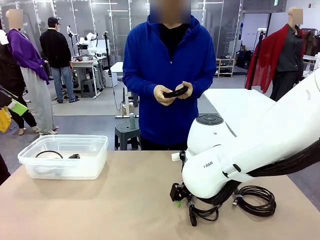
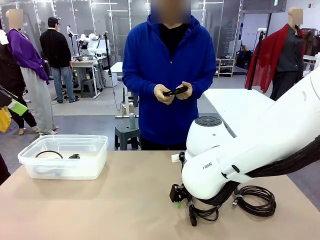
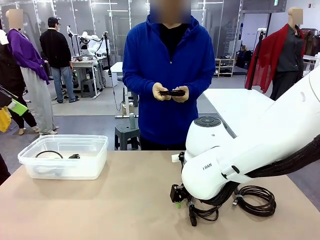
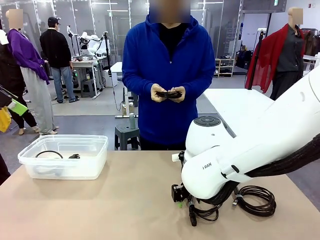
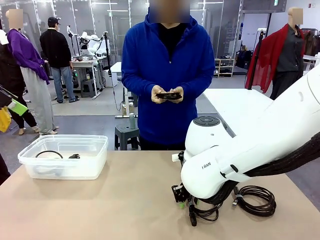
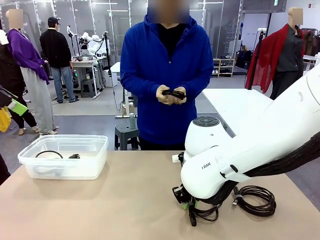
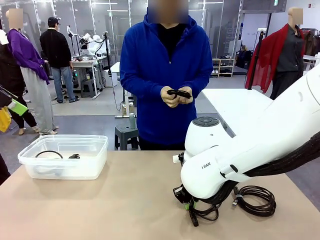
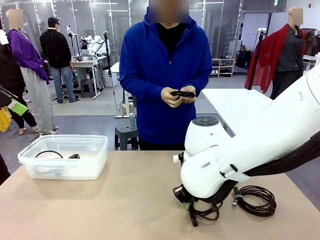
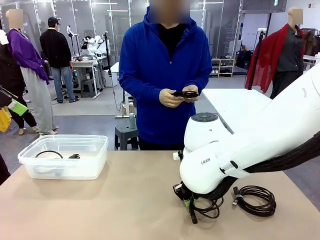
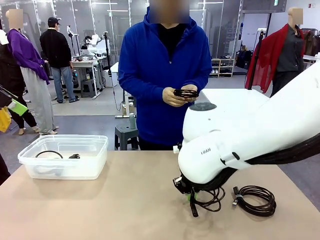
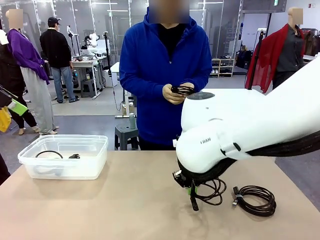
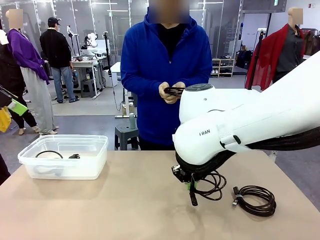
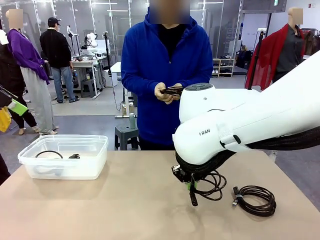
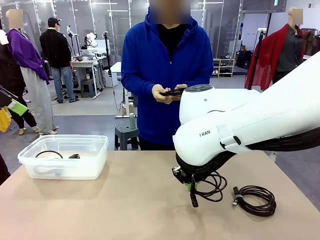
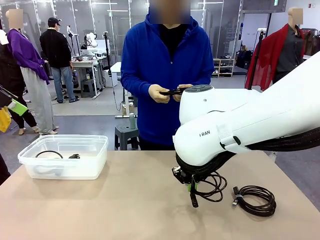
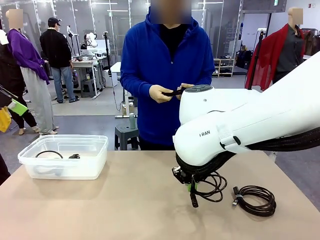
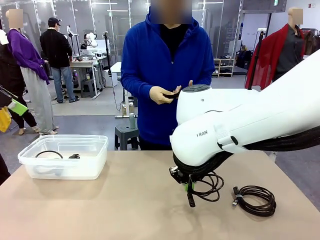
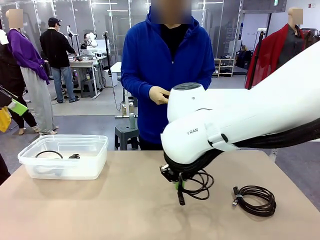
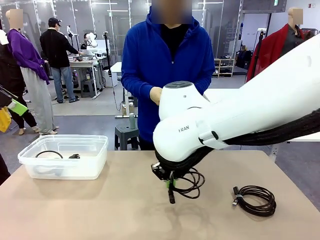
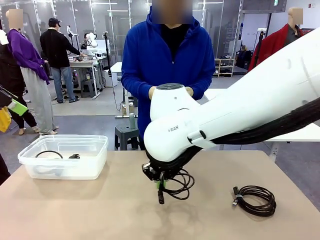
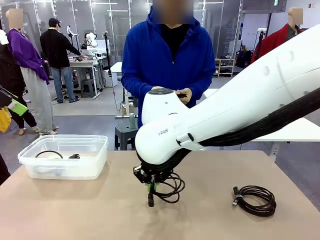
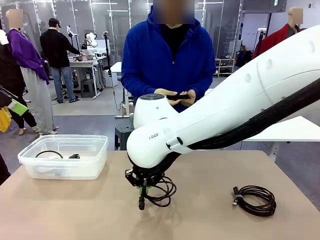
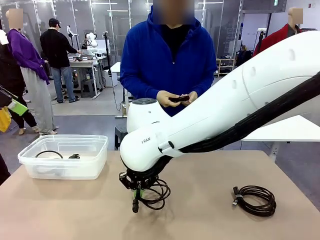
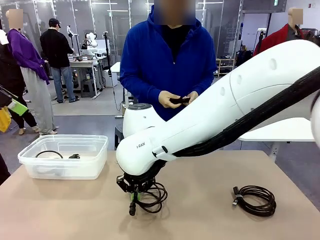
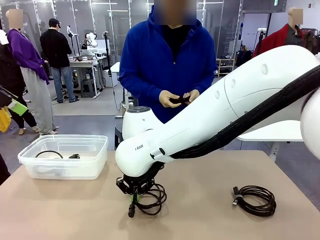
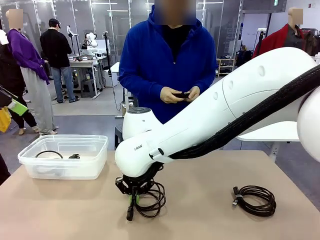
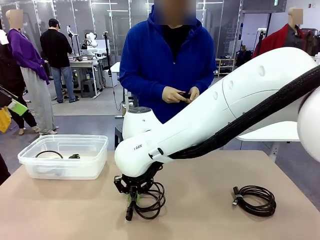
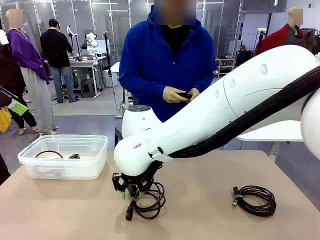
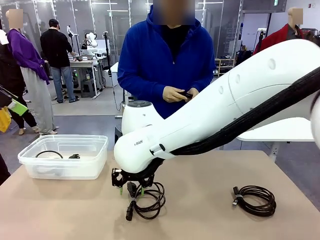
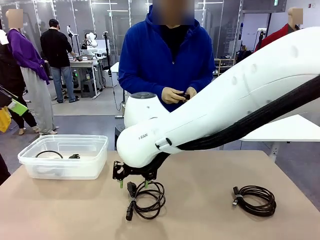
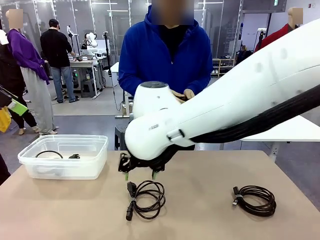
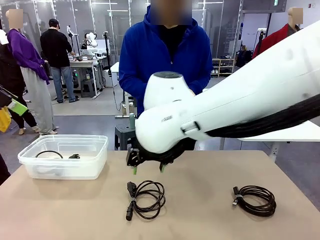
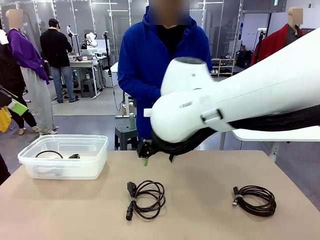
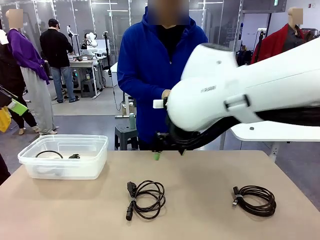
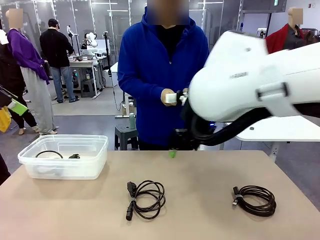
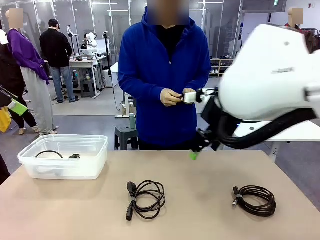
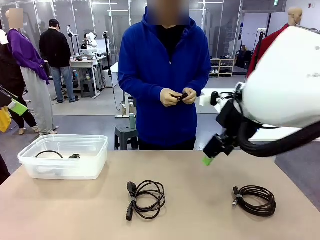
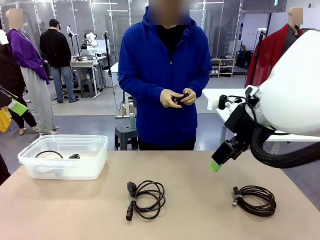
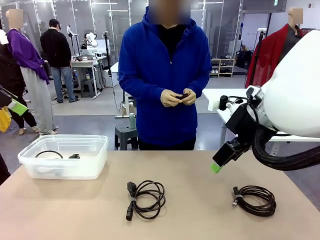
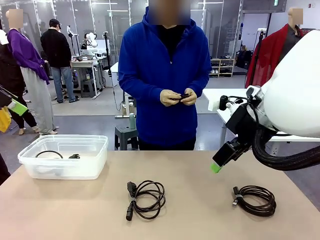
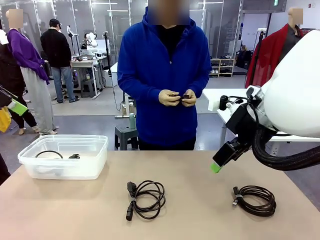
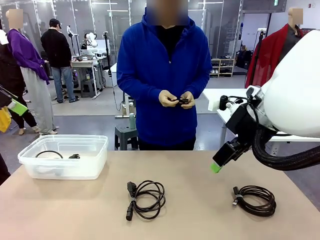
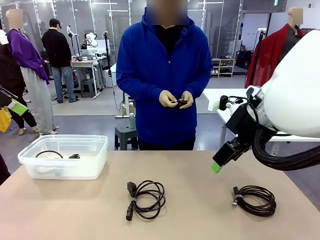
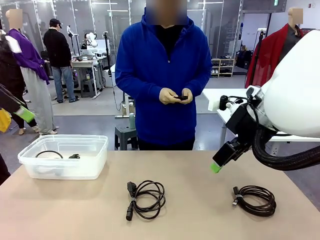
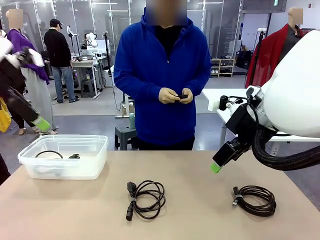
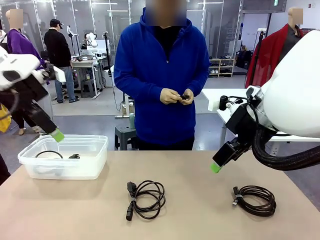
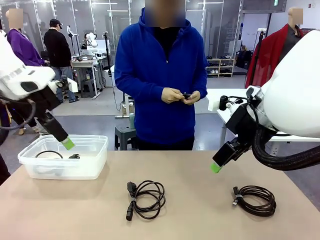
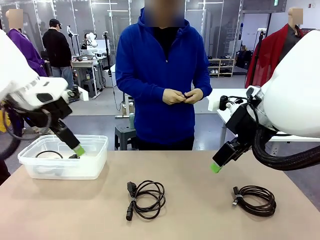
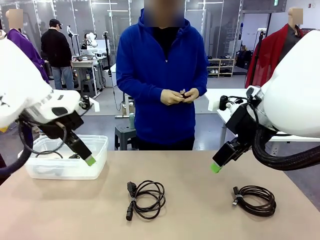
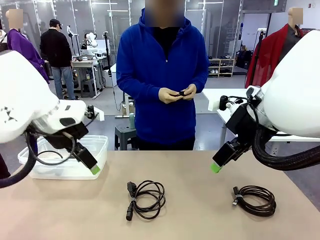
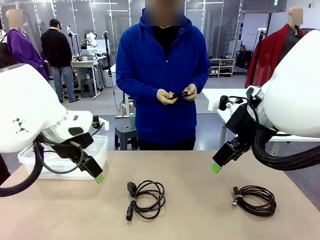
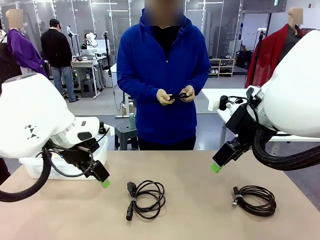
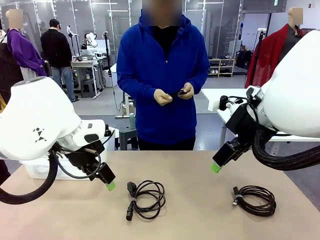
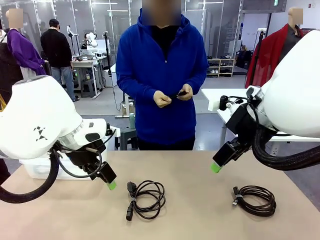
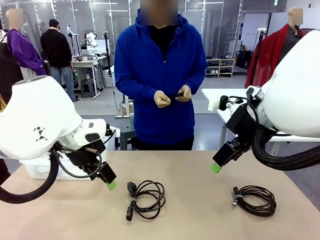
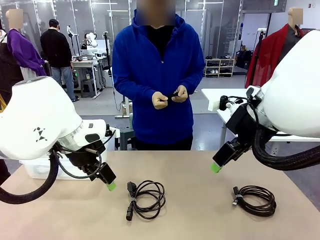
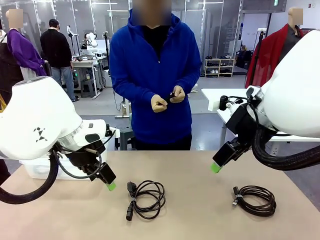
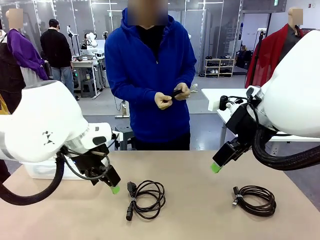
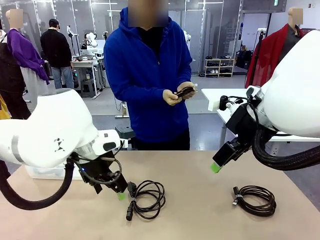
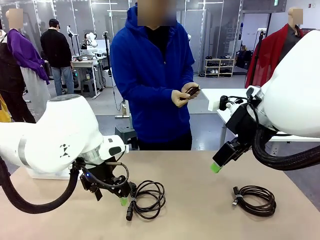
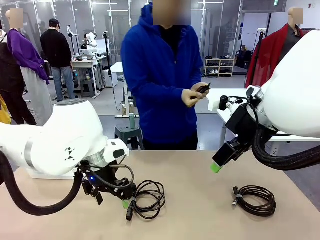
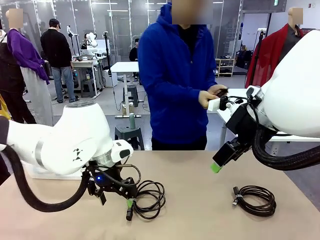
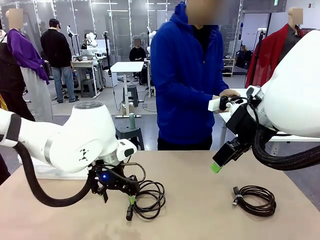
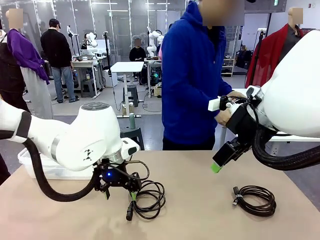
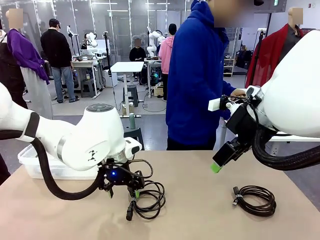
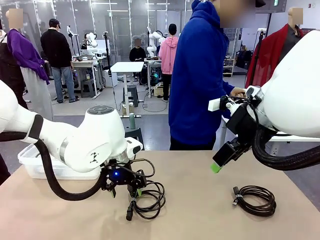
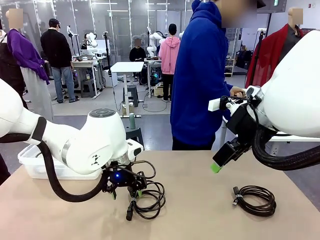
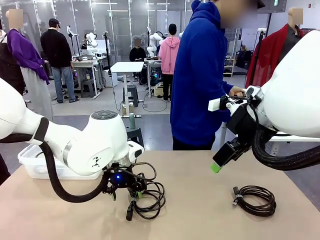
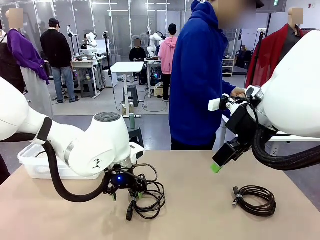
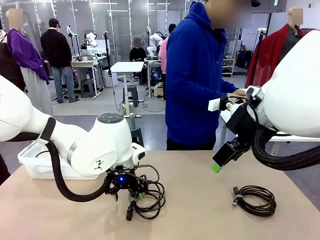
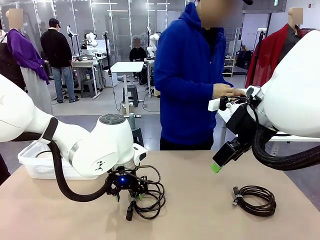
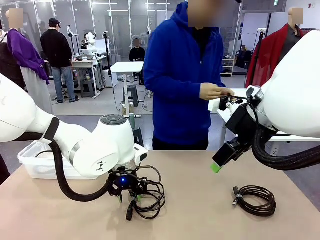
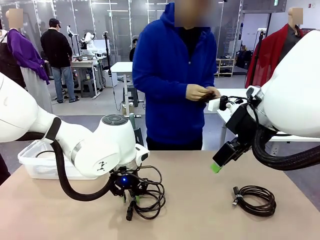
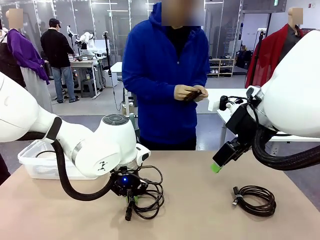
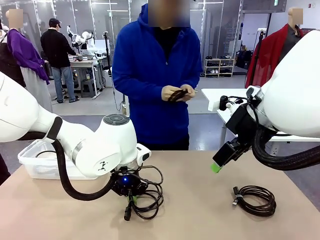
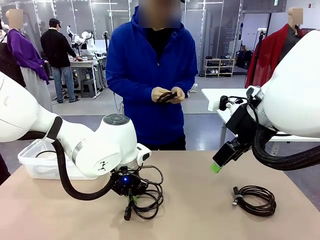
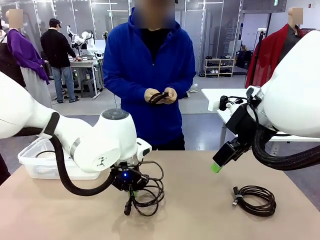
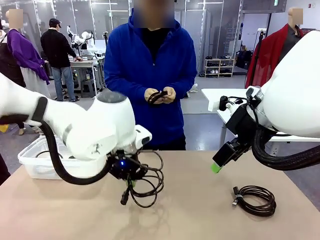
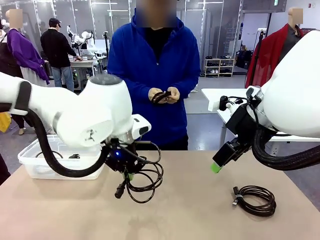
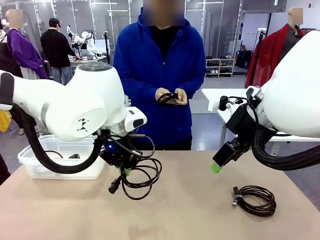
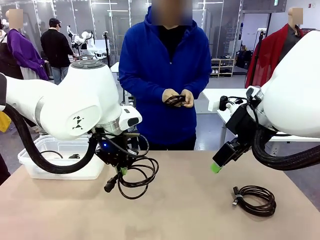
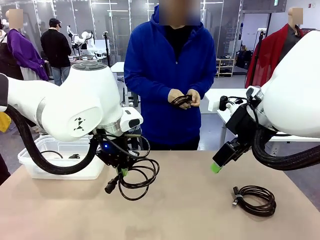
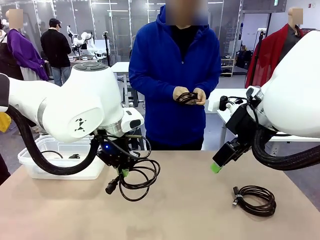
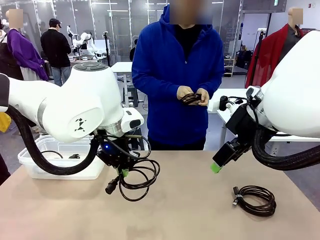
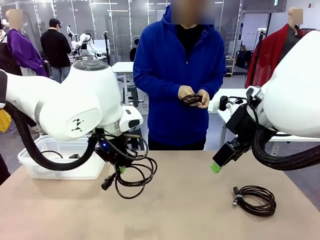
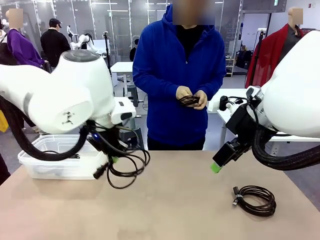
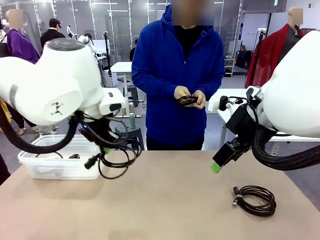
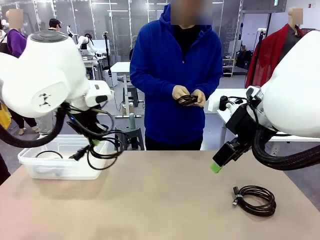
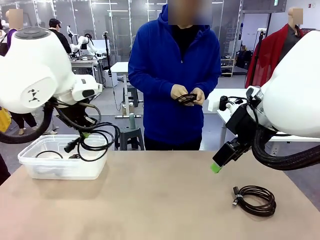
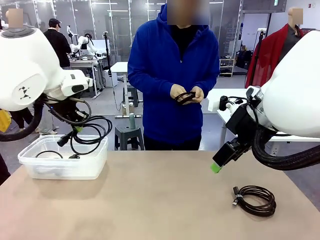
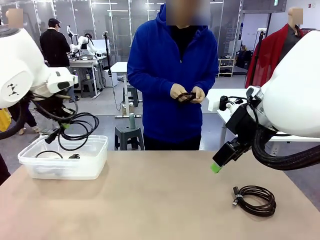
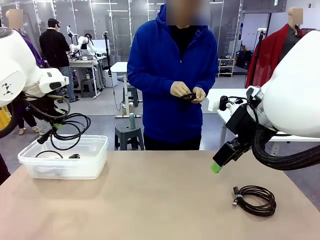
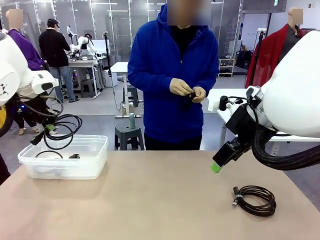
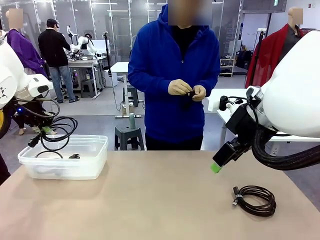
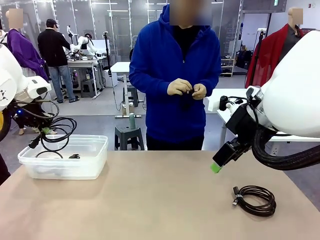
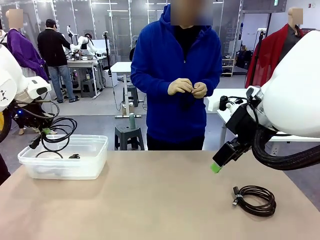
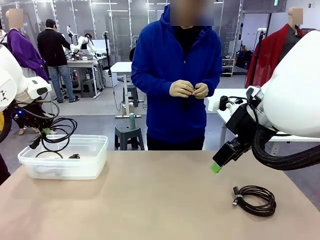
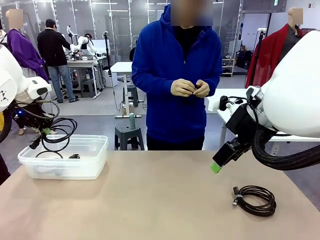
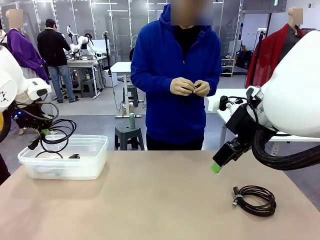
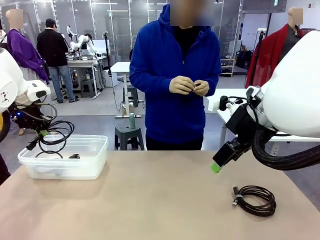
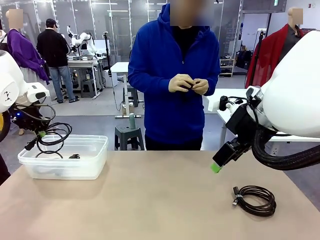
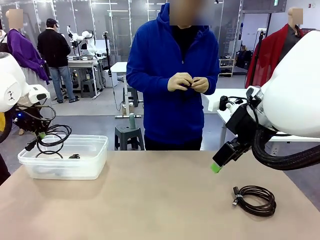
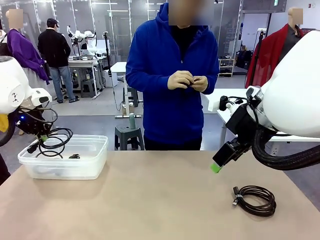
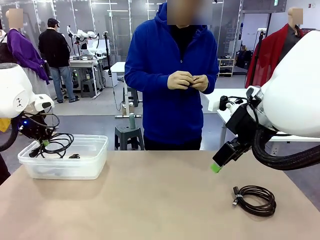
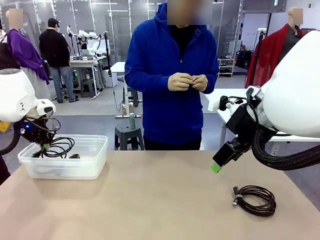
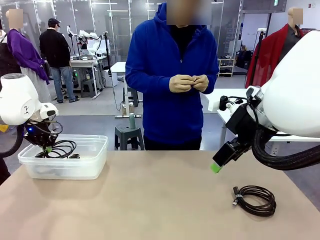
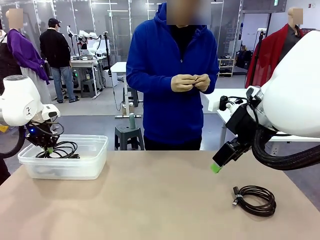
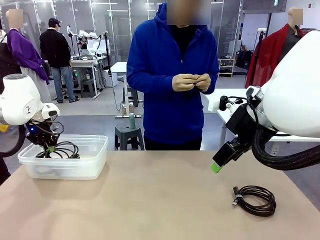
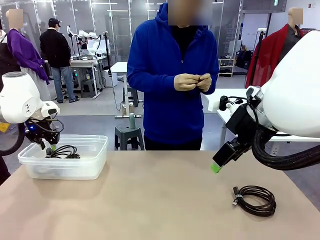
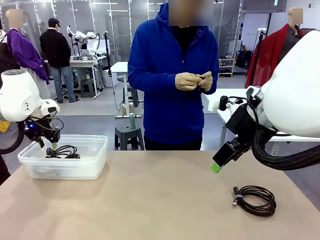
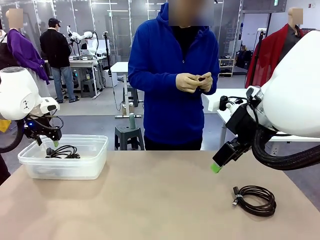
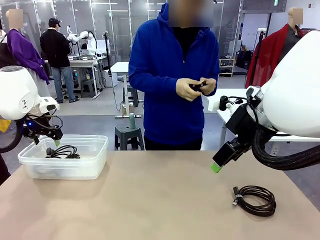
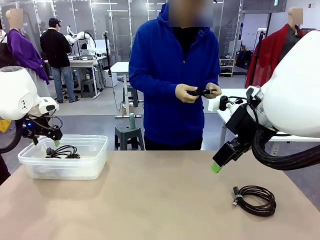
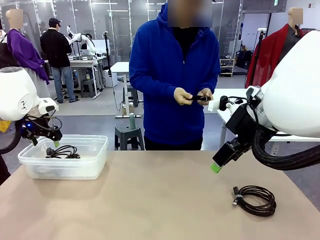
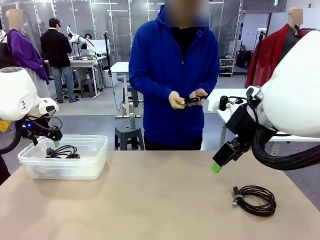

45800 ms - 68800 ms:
Task: Organize and store the cables.
Robot: Place the Power Cable into the Organizing box.
